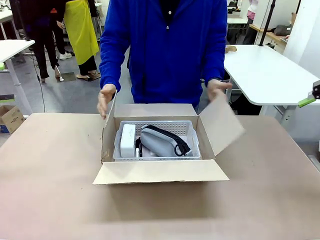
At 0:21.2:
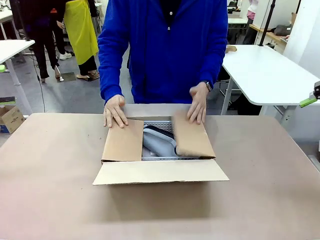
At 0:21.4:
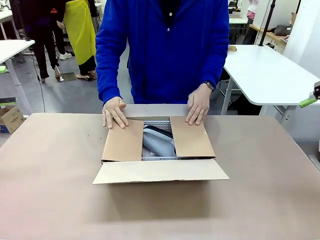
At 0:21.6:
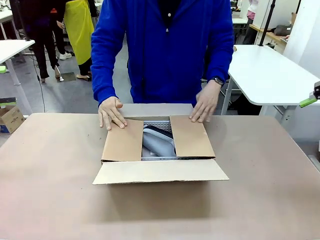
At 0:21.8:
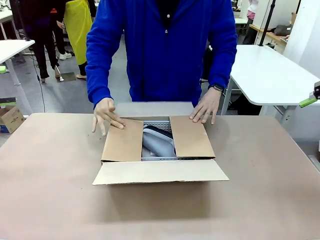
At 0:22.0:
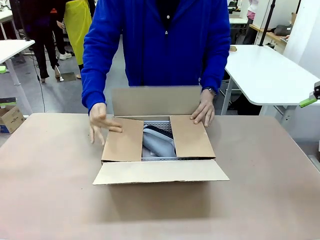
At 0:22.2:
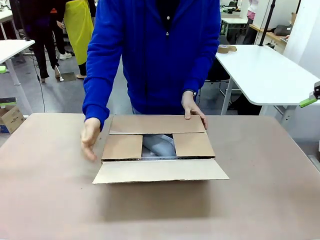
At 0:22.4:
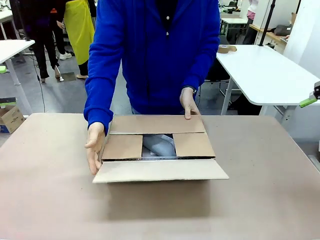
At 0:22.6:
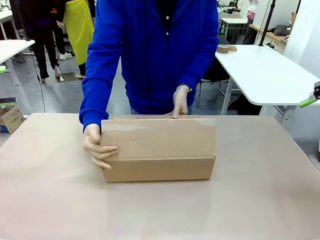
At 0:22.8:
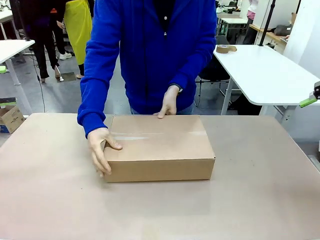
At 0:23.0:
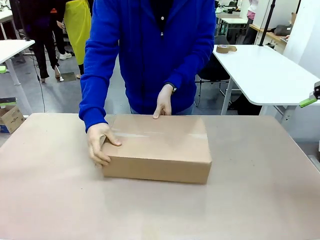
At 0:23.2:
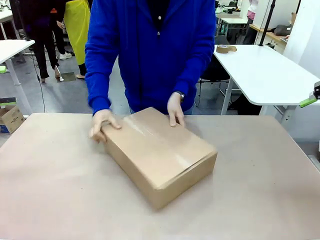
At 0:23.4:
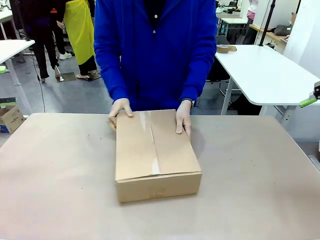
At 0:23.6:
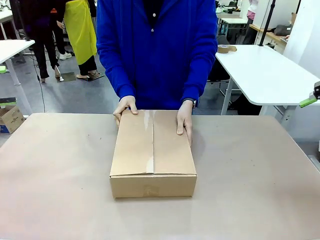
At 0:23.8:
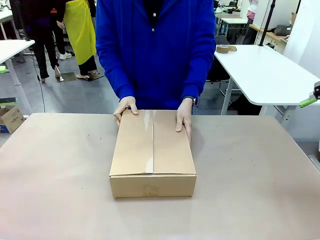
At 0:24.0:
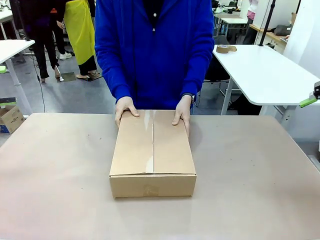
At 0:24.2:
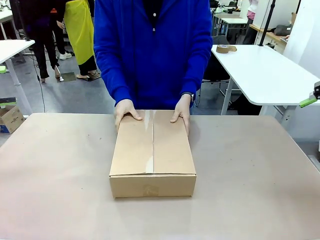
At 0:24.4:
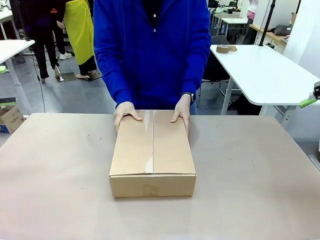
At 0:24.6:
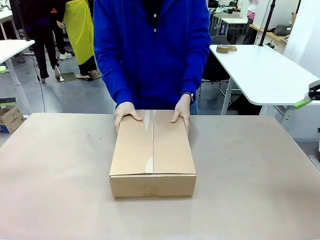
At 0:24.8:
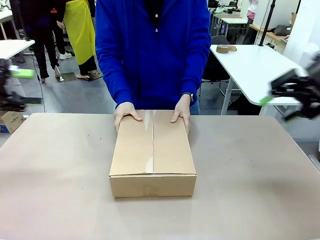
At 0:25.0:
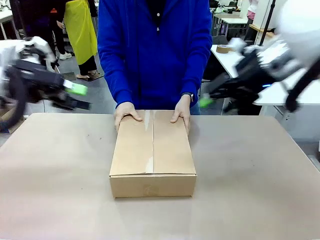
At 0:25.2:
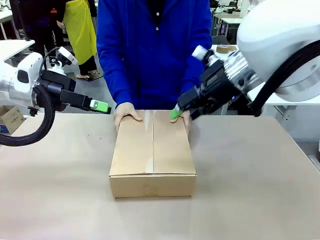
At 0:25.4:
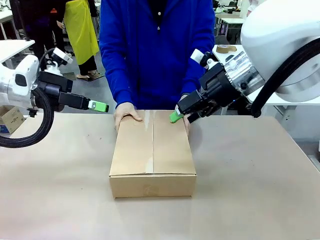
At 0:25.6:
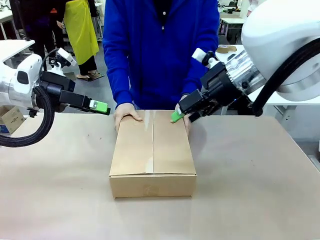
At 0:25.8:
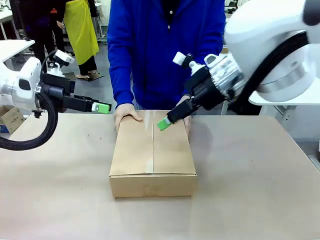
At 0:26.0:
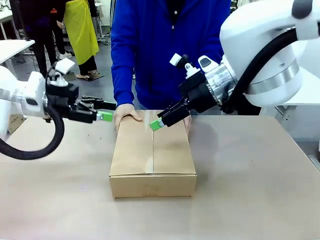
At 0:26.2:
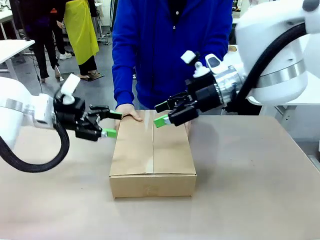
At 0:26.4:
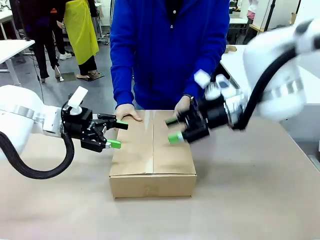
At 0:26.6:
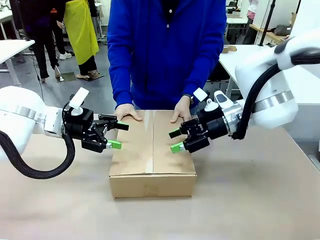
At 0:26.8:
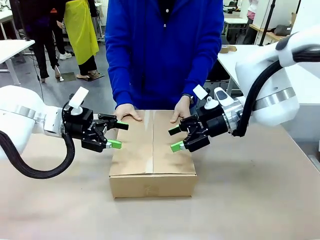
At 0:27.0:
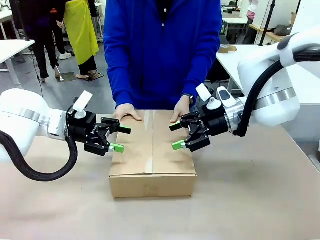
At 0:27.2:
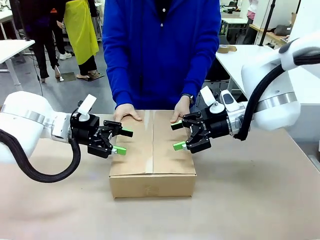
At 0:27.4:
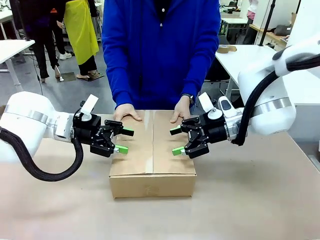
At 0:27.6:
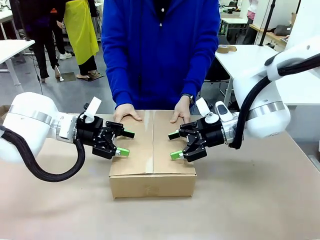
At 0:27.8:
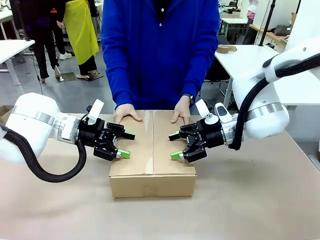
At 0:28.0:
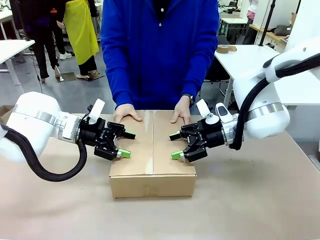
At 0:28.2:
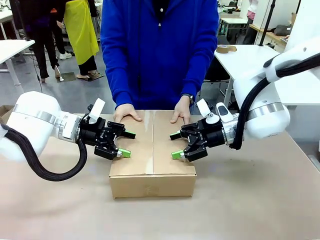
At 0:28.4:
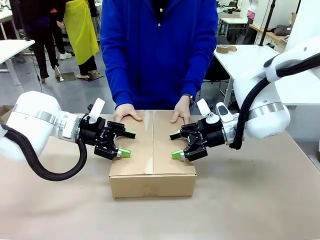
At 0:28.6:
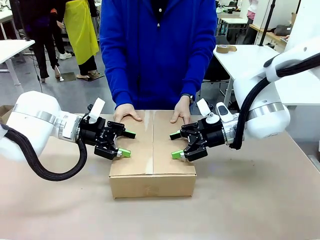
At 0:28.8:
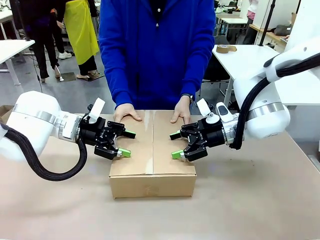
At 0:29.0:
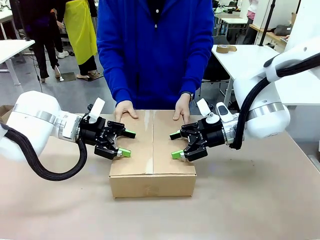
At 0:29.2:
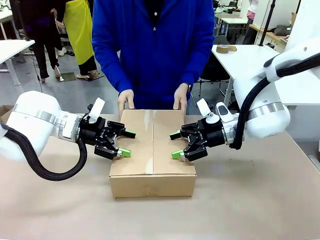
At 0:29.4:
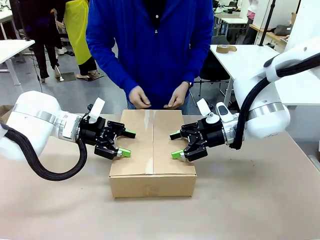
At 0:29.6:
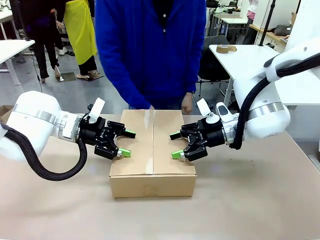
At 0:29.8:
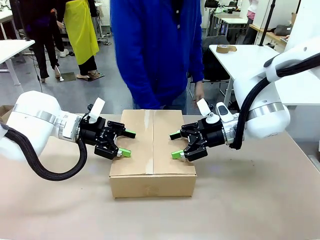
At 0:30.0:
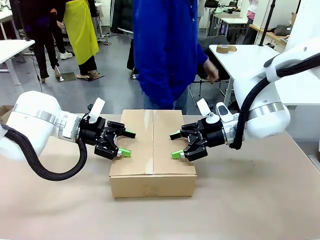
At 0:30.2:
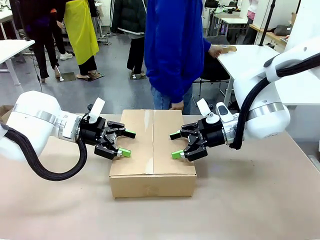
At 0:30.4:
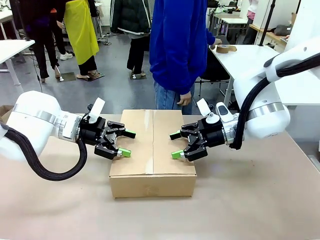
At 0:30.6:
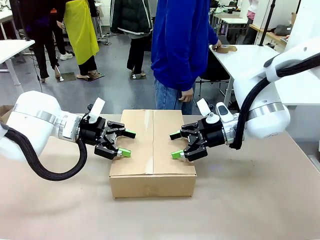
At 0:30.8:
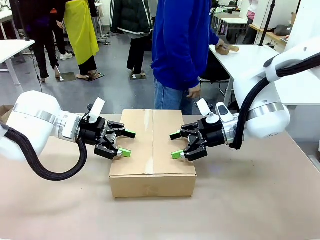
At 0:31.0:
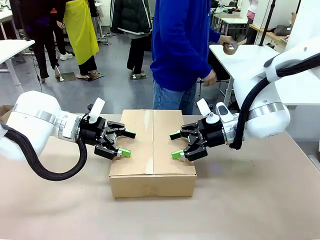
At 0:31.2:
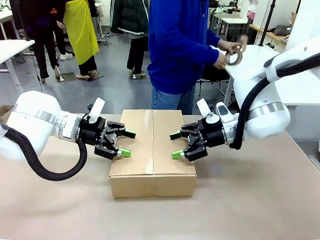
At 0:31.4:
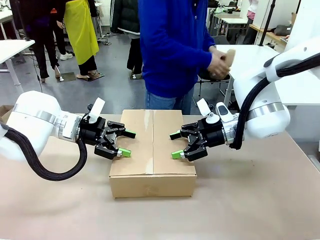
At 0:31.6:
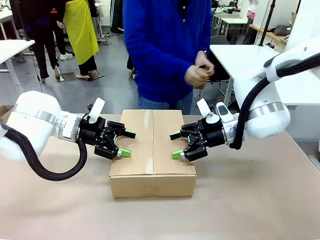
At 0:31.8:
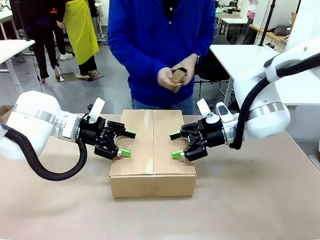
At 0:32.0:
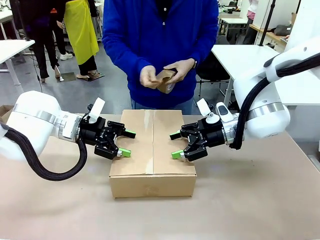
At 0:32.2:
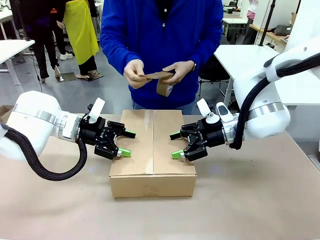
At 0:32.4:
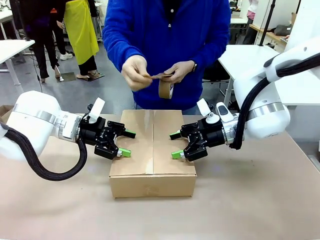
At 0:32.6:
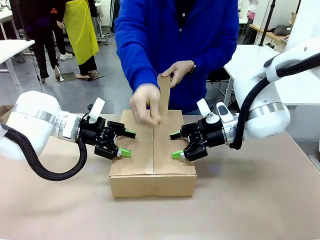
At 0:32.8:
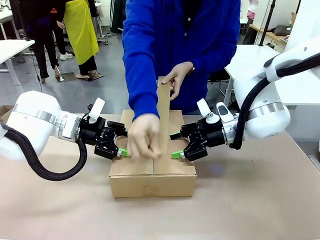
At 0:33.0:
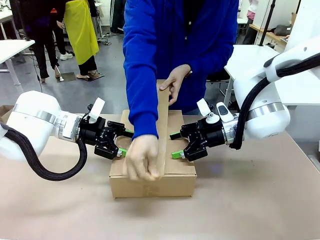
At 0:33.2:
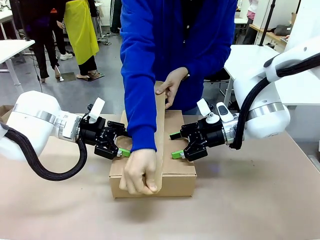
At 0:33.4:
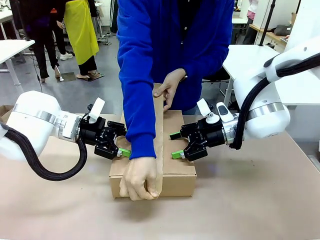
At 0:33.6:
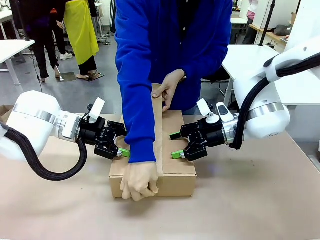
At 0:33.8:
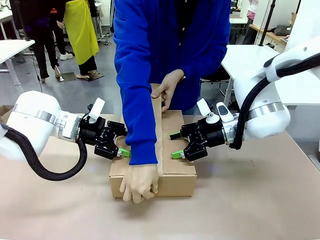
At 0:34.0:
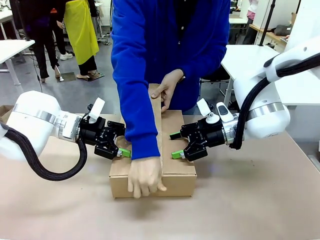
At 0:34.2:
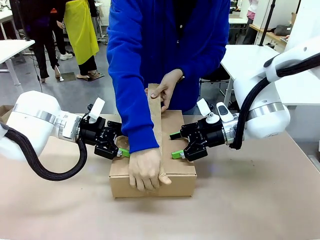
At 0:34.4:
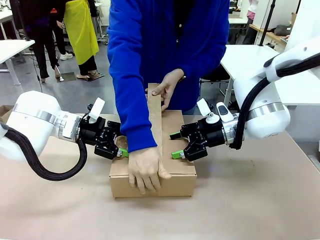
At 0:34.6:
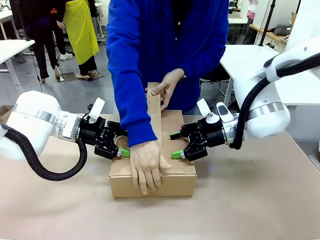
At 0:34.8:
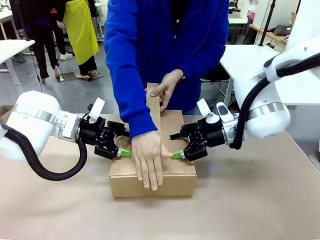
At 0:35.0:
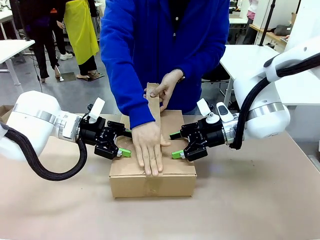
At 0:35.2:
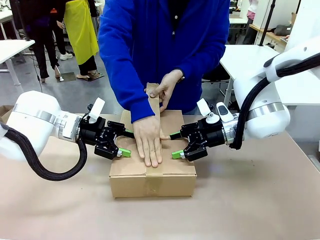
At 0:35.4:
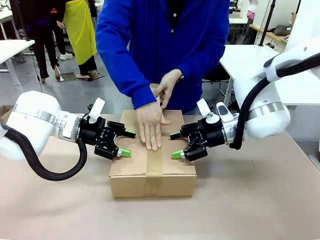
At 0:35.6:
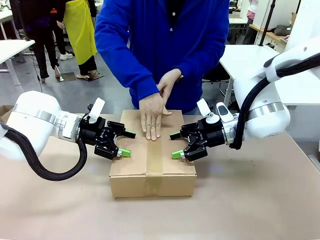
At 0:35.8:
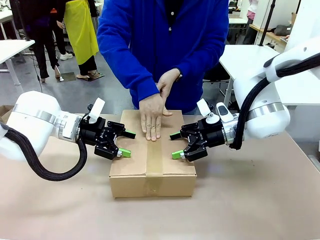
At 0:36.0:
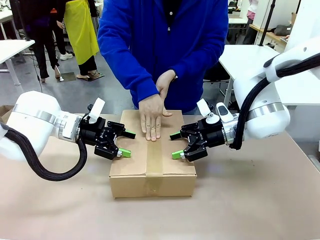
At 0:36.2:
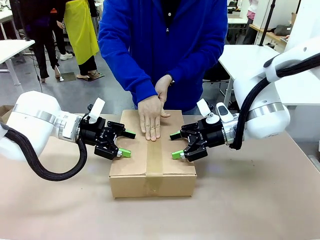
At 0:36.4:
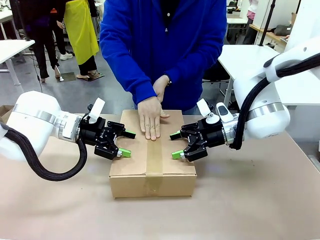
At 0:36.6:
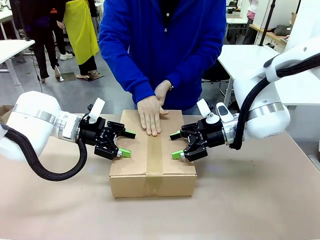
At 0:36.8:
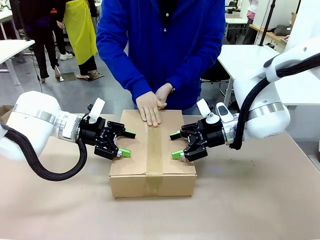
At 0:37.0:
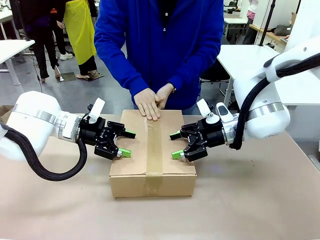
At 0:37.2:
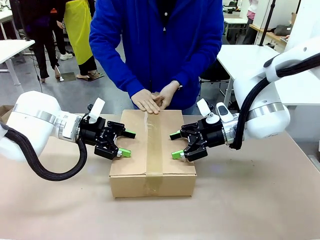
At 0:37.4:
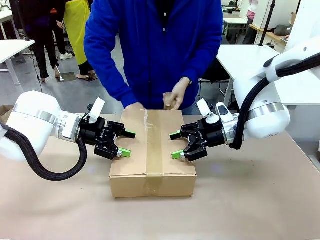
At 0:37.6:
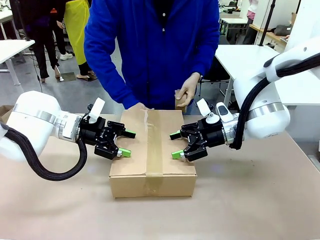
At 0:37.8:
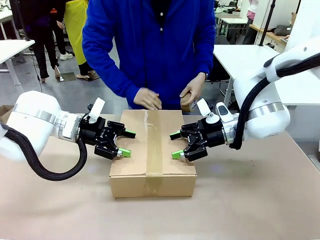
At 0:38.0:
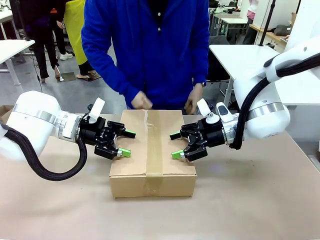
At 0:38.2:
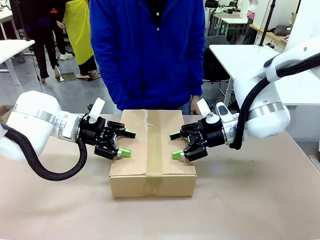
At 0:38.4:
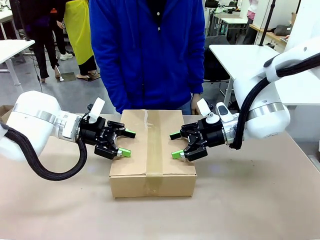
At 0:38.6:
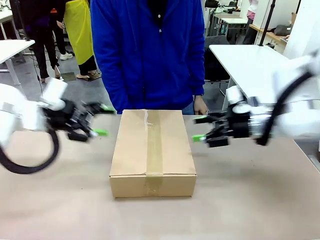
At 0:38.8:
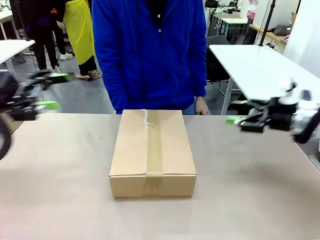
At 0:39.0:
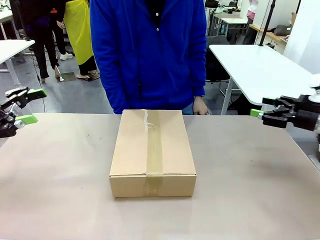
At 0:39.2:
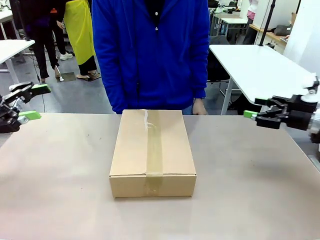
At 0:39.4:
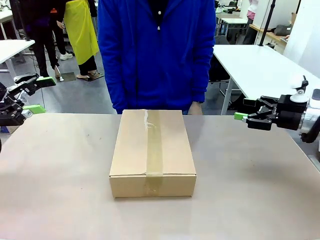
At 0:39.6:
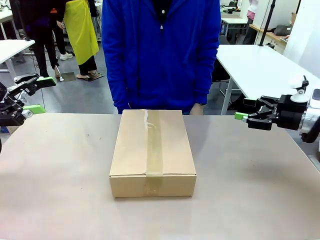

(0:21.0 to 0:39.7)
Task: Pack the gift set into the box.
Robot: Press and hold the closed box until the human finishes sealing it.
Person: The human closes the box and rotates the box by 90 degrees. The human picks up the paper tape from the human table and packs the box.
